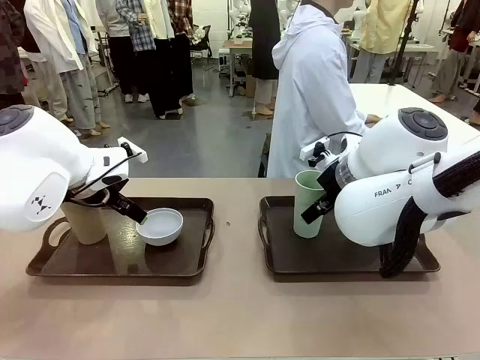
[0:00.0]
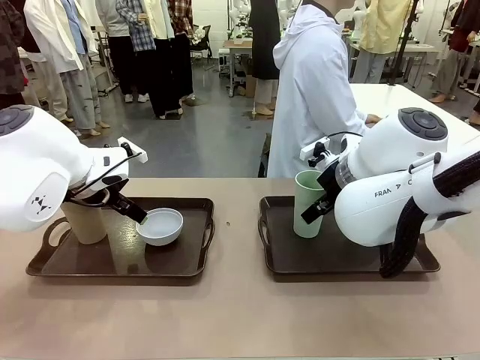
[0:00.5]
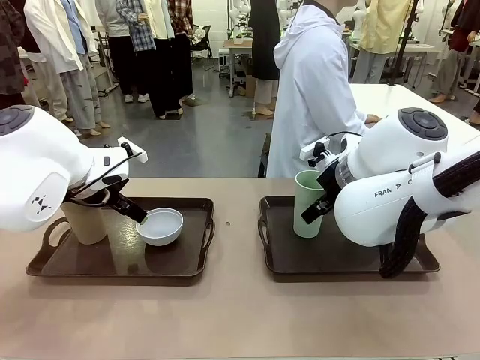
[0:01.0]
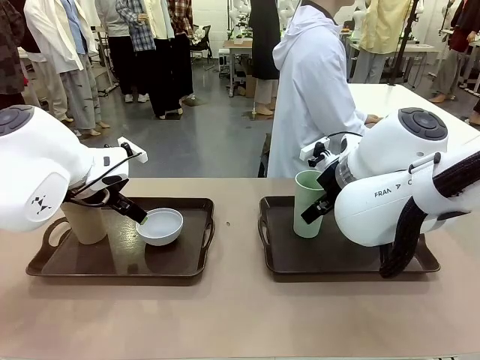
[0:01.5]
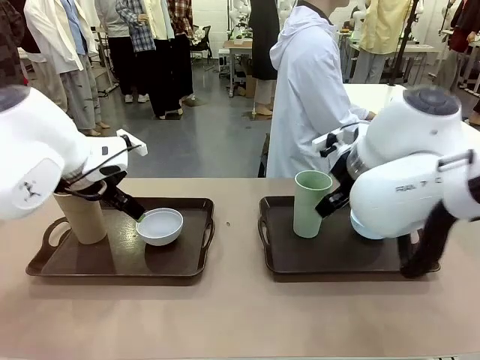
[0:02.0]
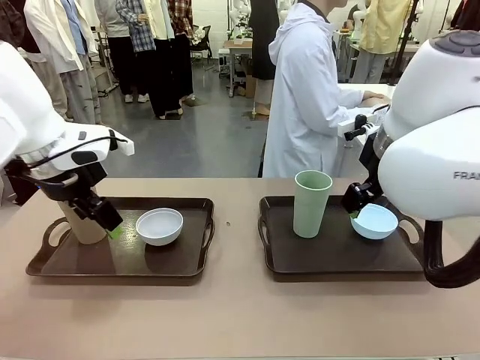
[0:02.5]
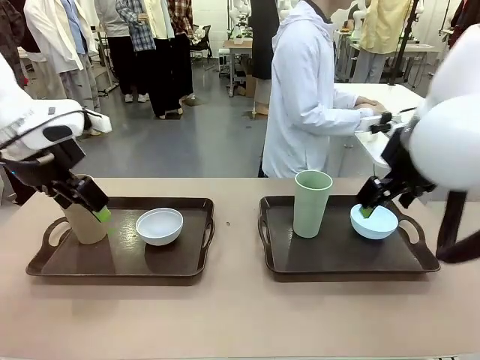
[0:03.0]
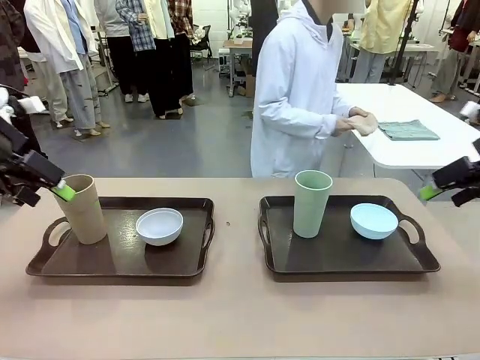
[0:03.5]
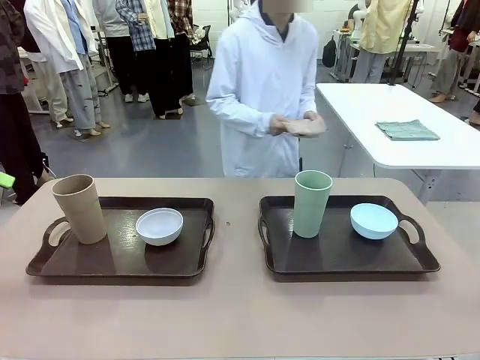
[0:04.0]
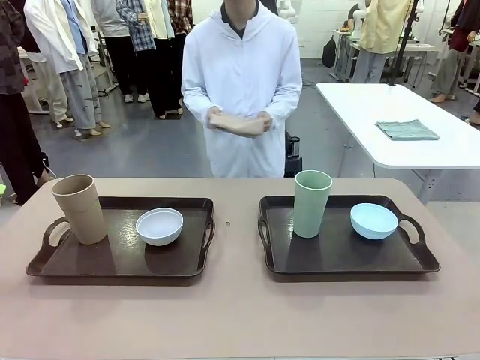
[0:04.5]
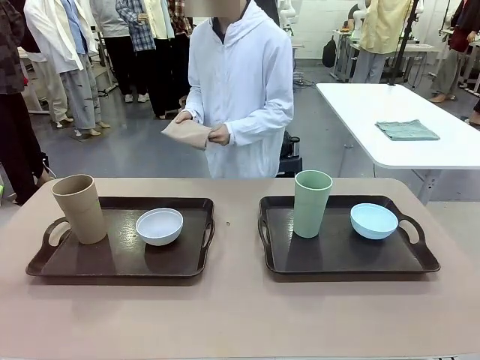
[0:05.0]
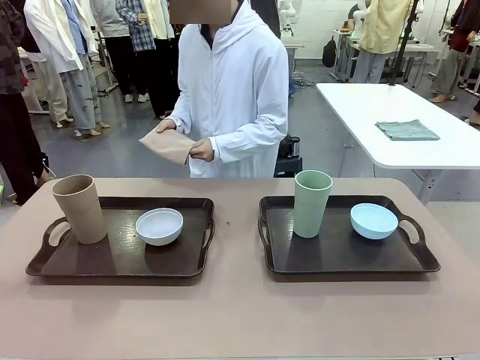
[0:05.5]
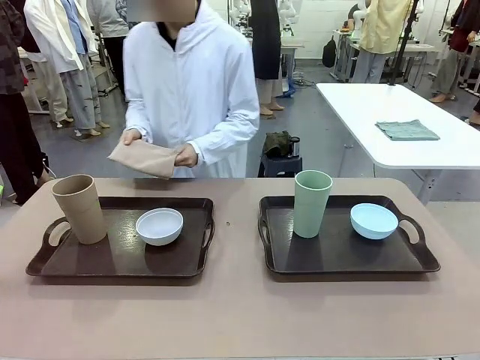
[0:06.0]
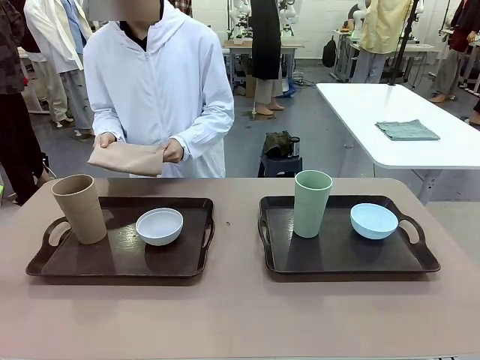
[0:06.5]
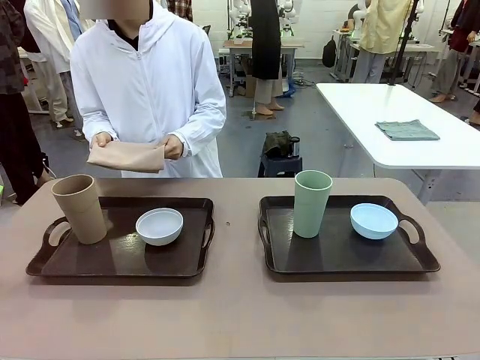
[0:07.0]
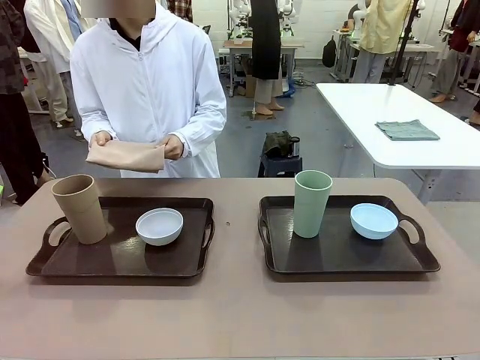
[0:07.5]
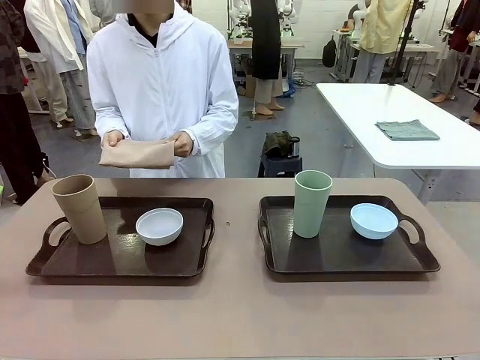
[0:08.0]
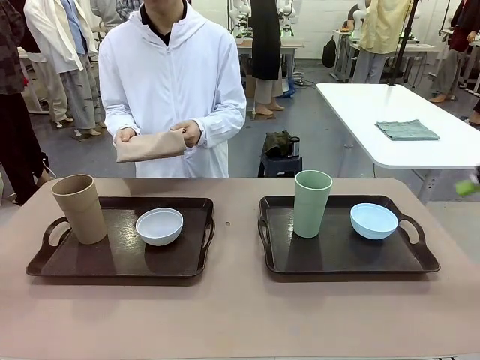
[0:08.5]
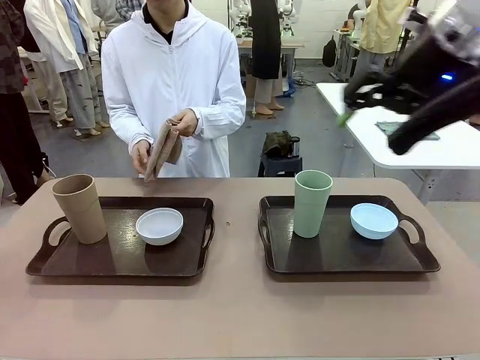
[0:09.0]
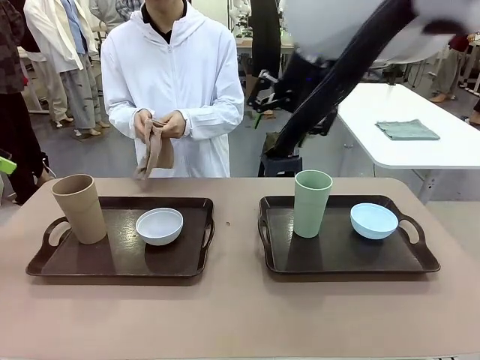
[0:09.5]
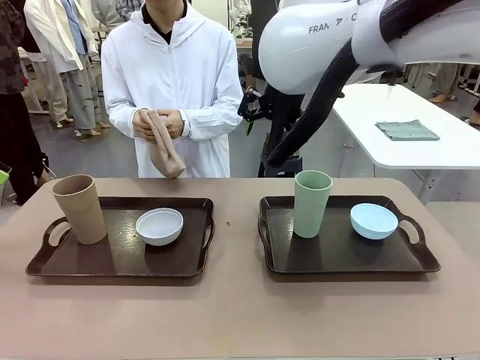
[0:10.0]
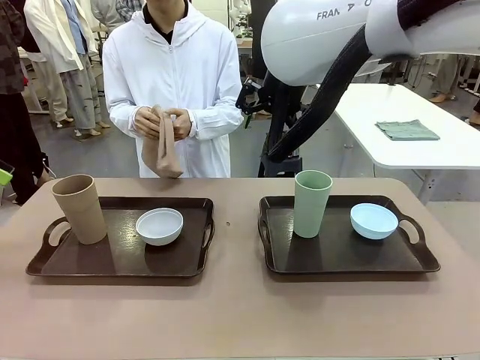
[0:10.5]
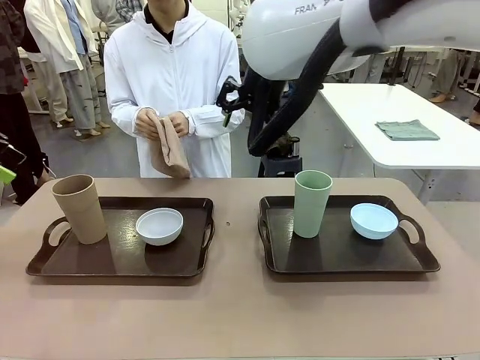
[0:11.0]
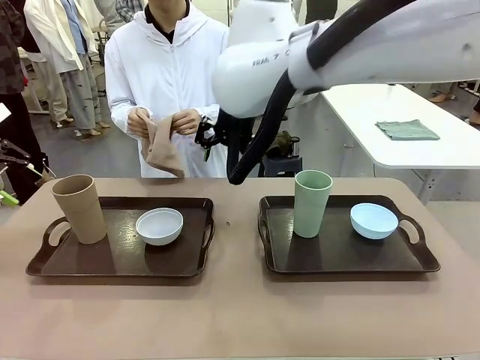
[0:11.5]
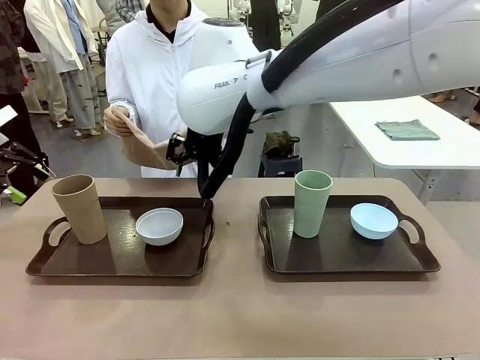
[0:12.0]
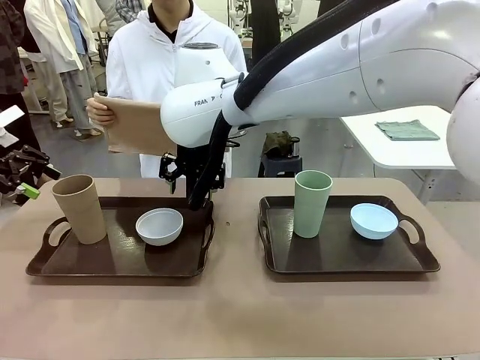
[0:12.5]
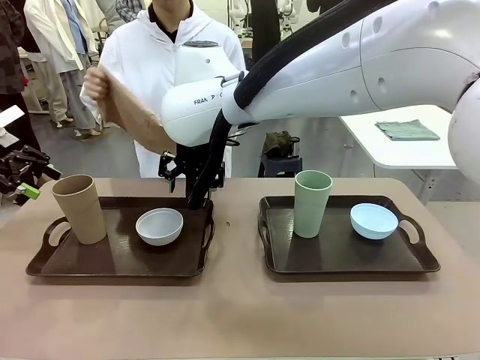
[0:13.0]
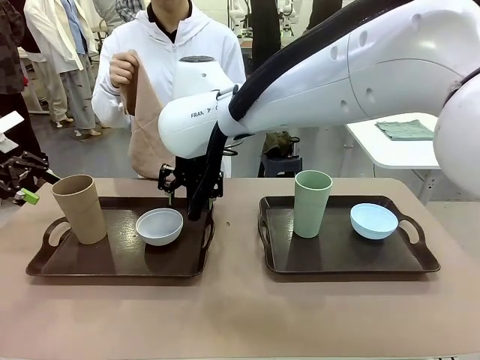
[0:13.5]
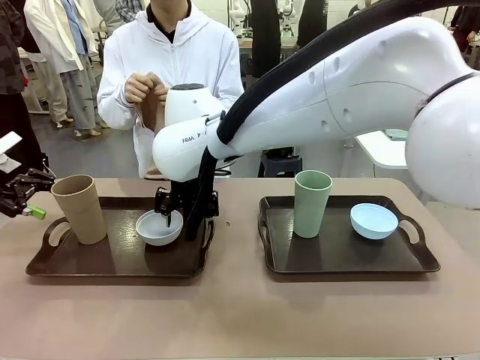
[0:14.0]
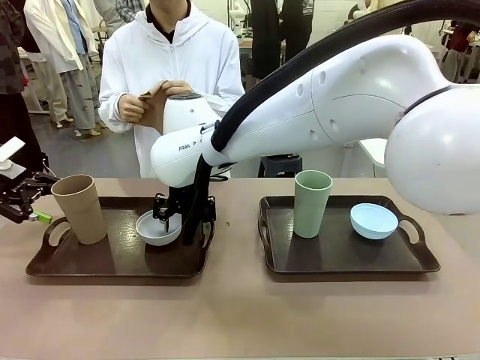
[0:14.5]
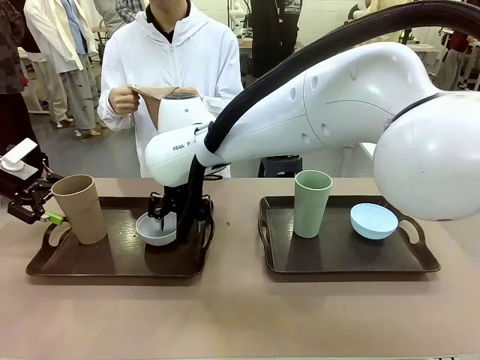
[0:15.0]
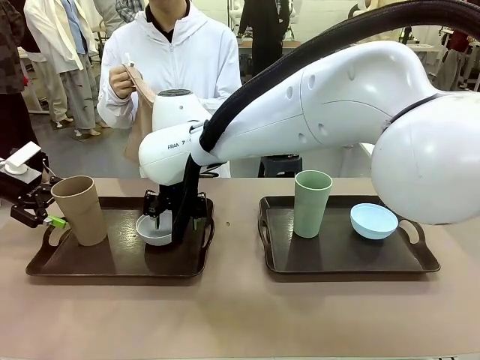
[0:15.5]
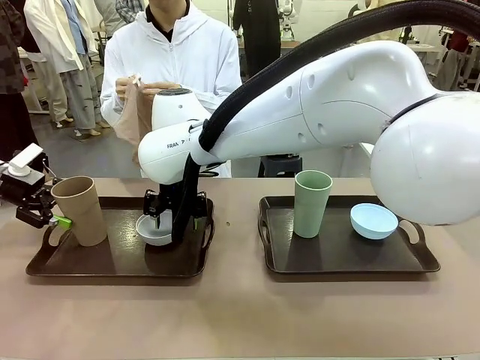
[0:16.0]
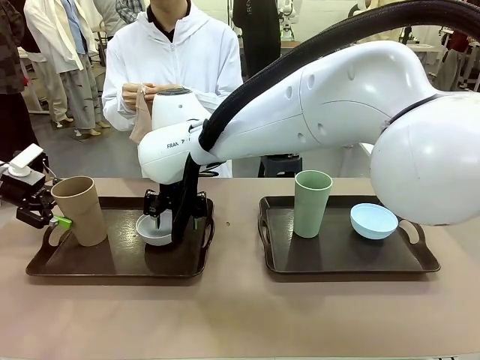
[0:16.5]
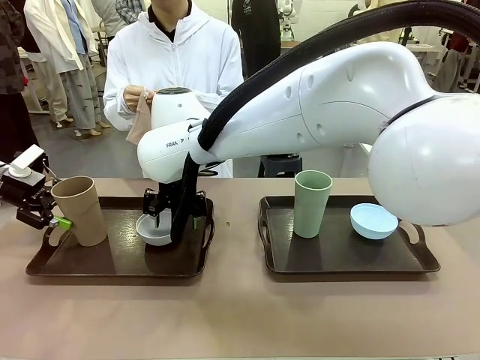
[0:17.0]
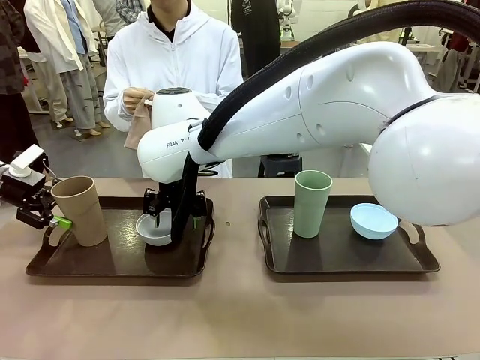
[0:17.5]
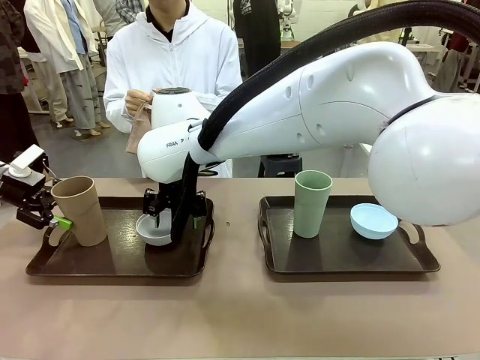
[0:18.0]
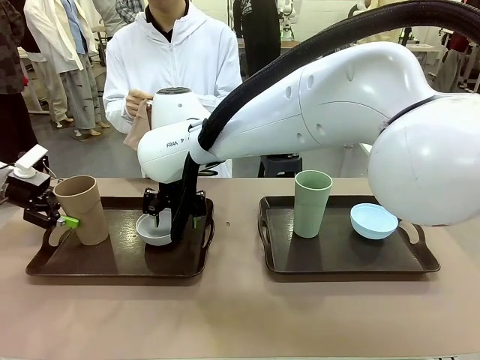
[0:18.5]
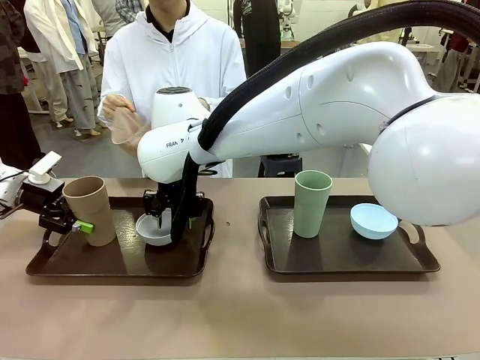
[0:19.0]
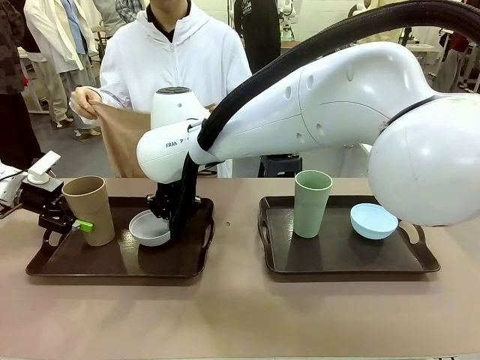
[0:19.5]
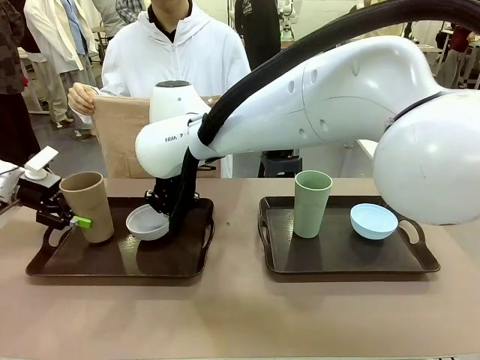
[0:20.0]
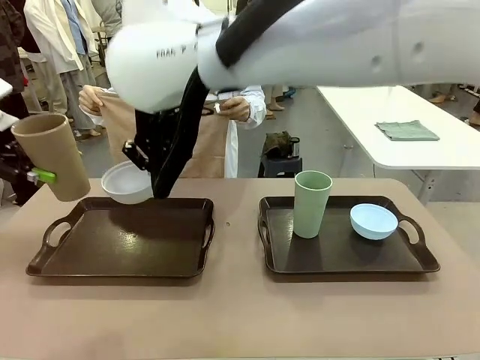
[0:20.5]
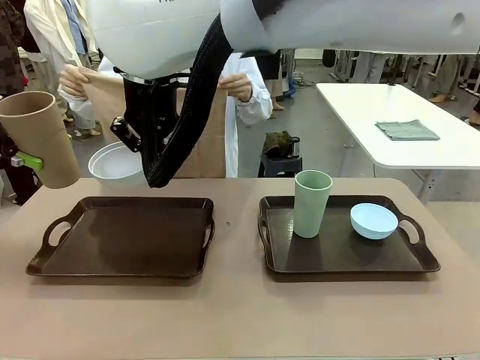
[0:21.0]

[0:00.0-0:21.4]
Robot: Pick up the Picnic Bowl and Reusable plastic cup from the Handle tray in front of the human's position and hold them in the air.
Person: The human picks up the top napkin from the stack on the human table and walks to the robot table to stand in front of one of the two trays. When the robot lifts the bowl and the cup, the human unfolds the napkin and lays the napkin flat on the tray.
